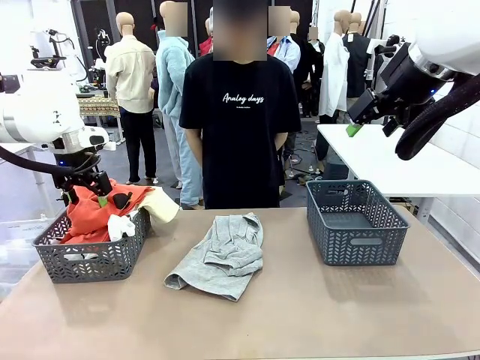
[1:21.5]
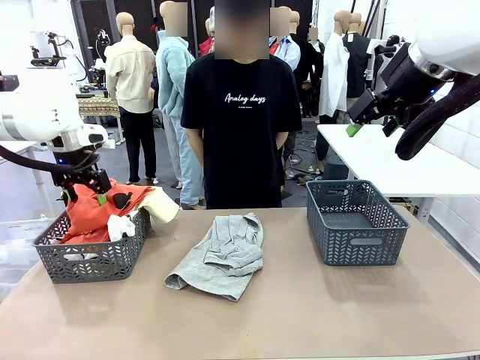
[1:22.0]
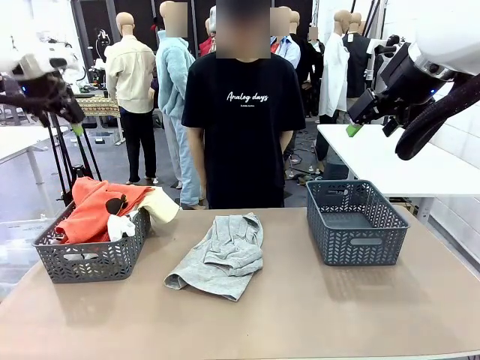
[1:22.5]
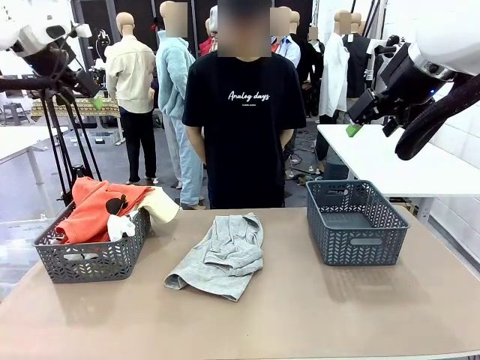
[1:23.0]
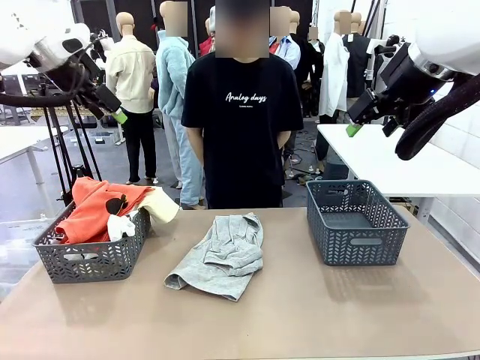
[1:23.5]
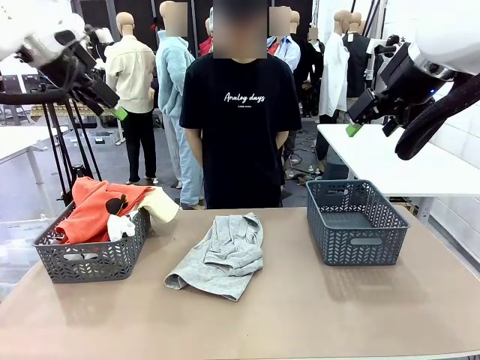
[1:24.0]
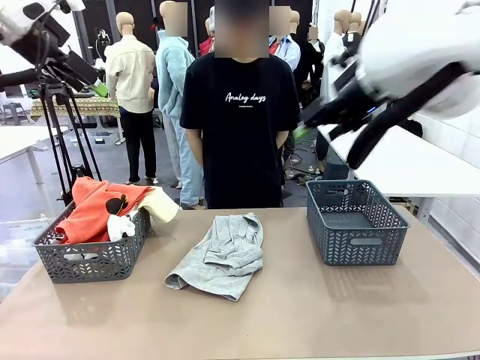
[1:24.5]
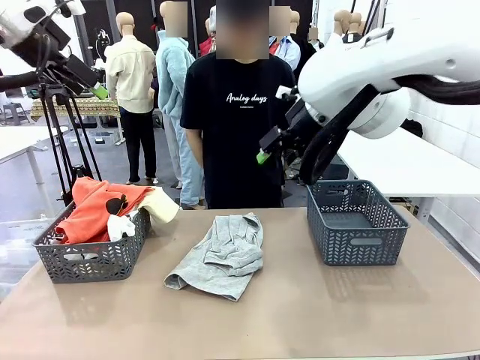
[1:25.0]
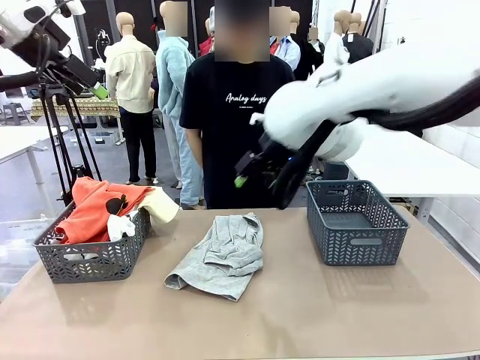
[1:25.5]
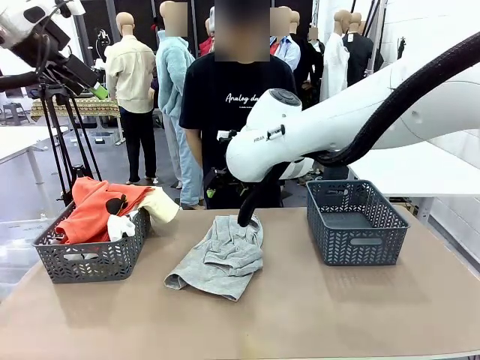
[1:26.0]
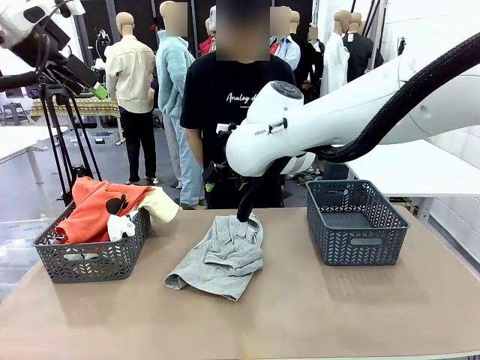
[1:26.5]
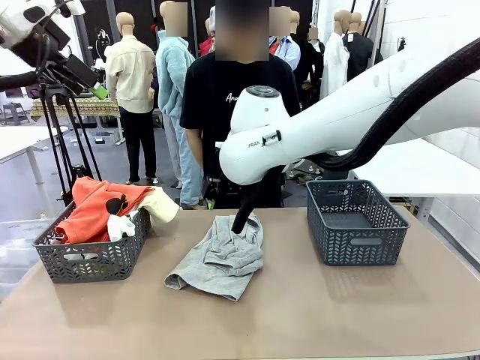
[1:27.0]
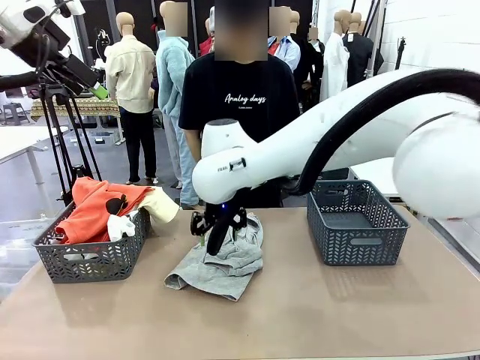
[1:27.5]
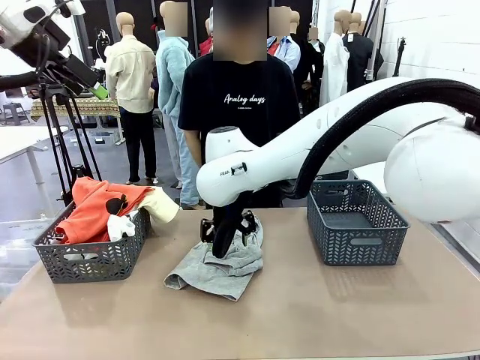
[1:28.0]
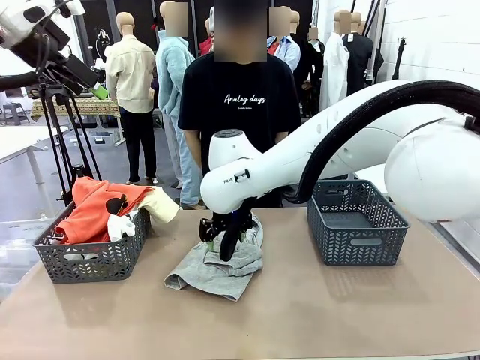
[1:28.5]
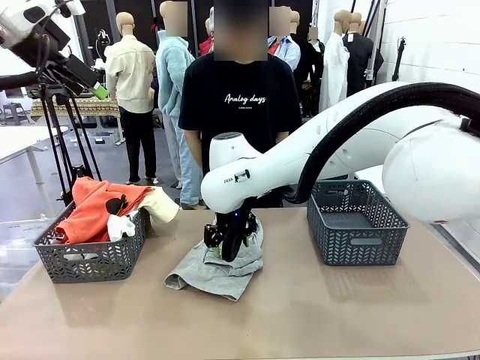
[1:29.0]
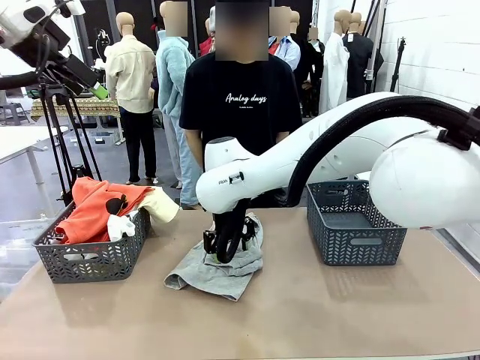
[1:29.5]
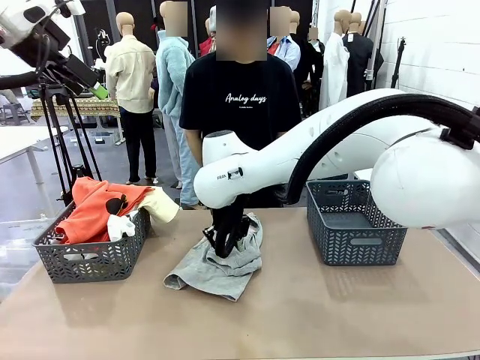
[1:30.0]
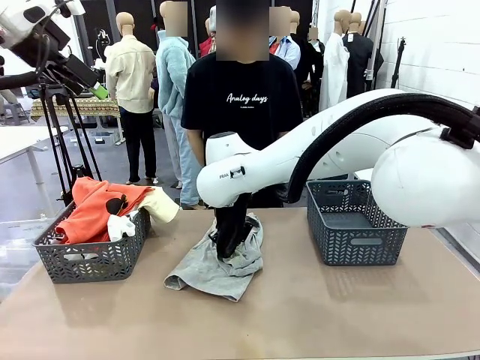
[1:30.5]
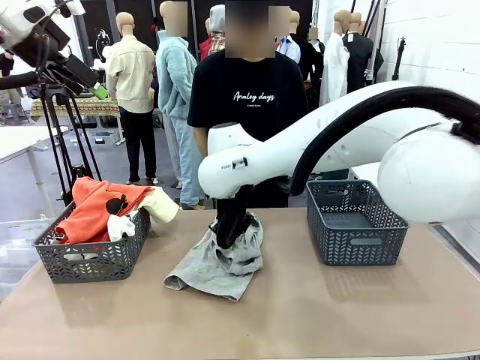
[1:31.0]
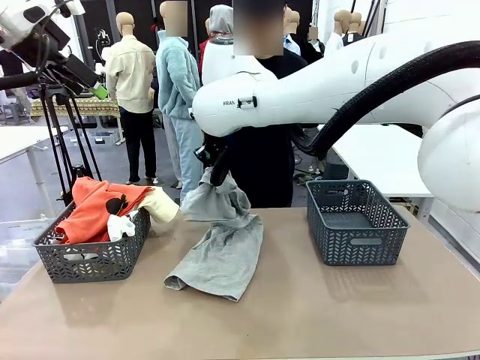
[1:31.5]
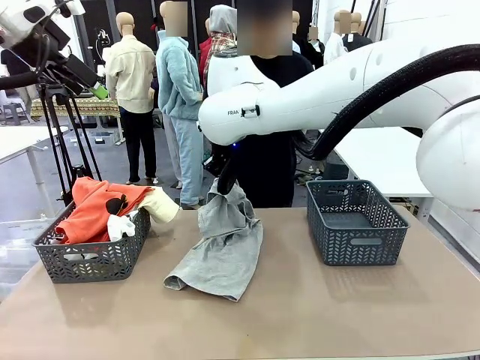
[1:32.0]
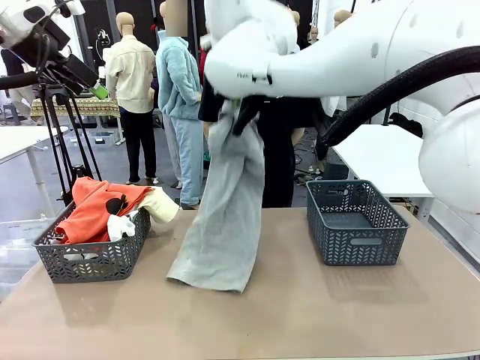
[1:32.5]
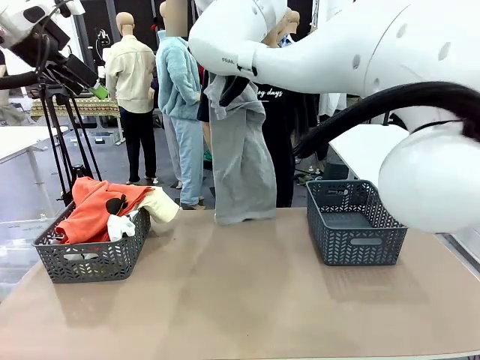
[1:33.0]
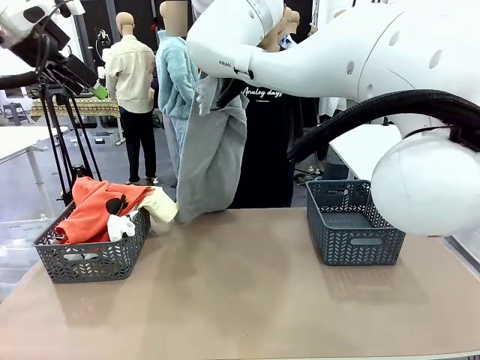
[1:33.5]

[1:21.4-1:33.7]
Task: Sort the tops and bottoms.
Robot: Lift clothes from the center of the table with your right hand.

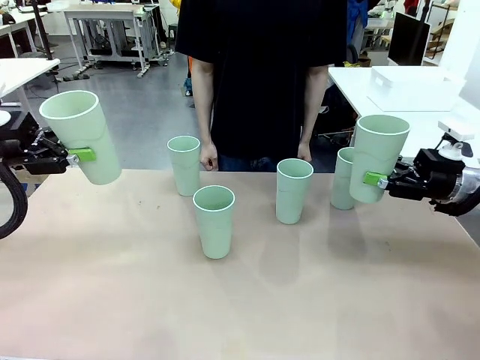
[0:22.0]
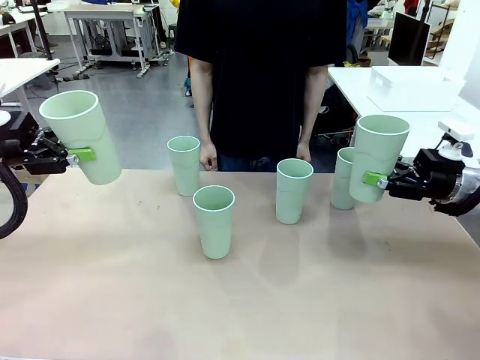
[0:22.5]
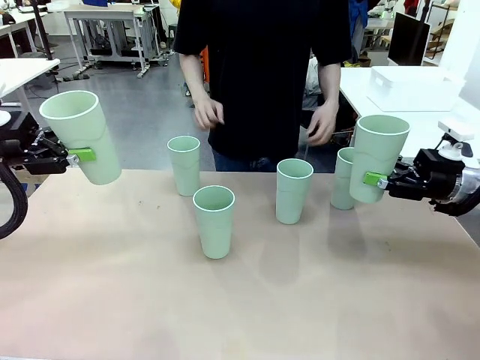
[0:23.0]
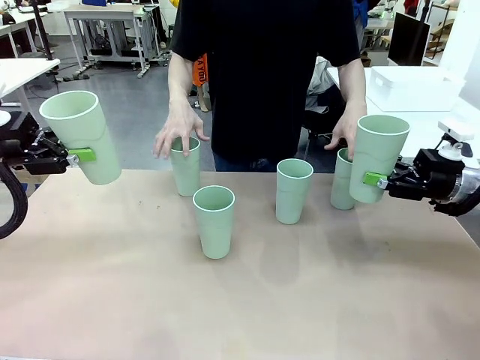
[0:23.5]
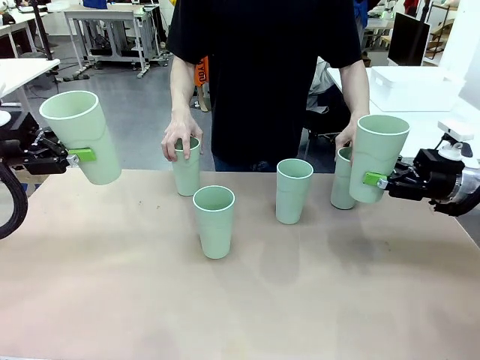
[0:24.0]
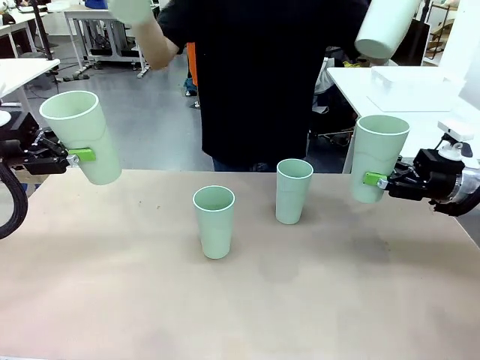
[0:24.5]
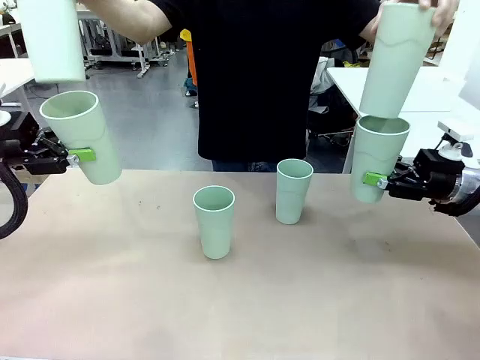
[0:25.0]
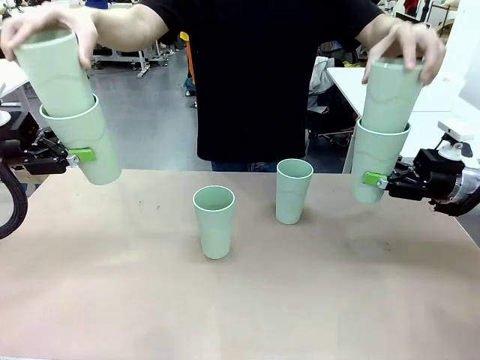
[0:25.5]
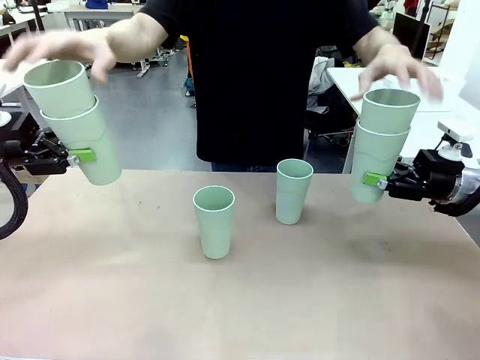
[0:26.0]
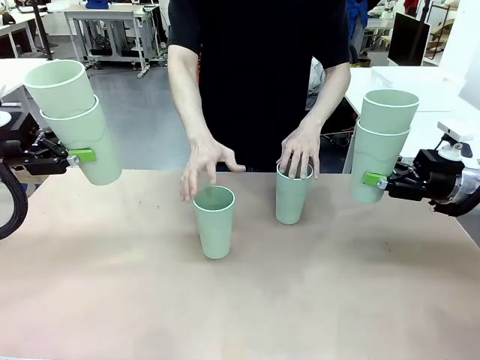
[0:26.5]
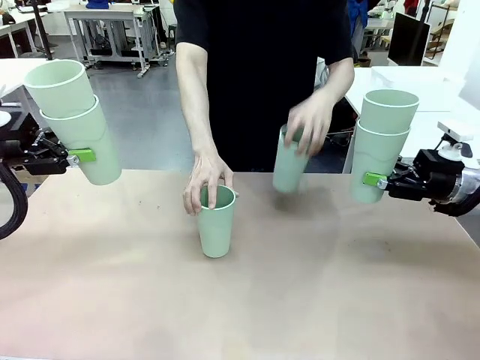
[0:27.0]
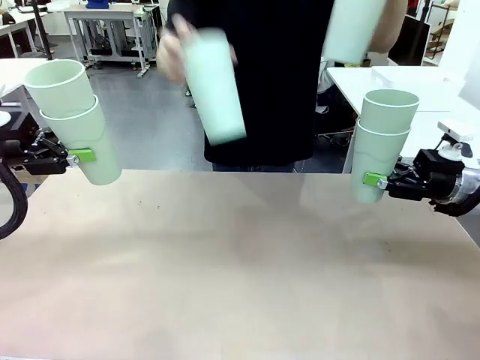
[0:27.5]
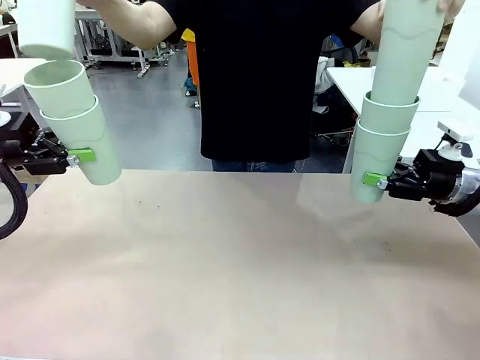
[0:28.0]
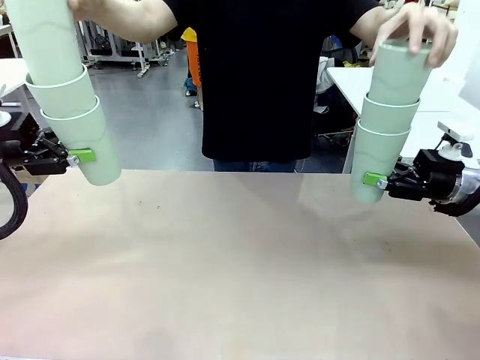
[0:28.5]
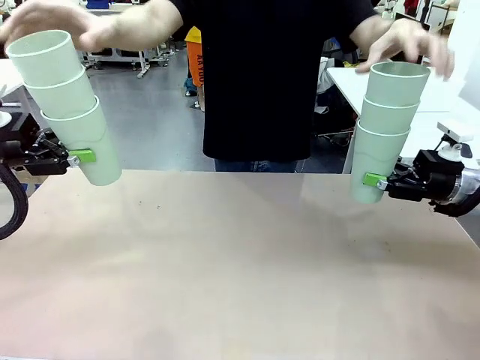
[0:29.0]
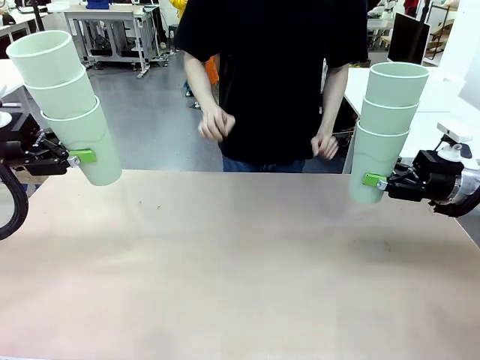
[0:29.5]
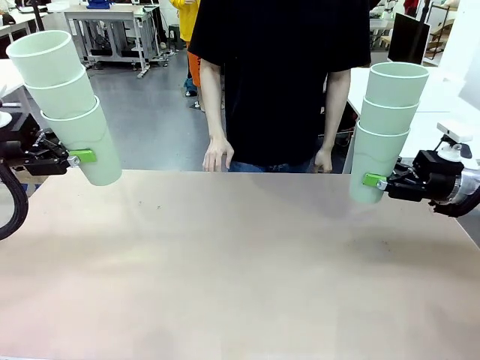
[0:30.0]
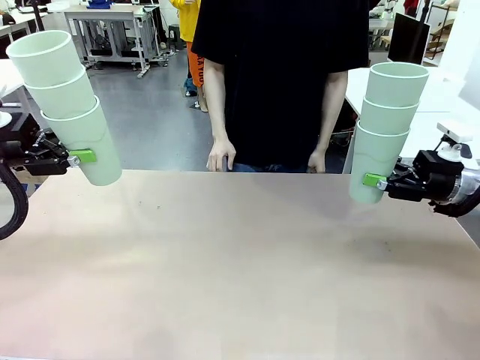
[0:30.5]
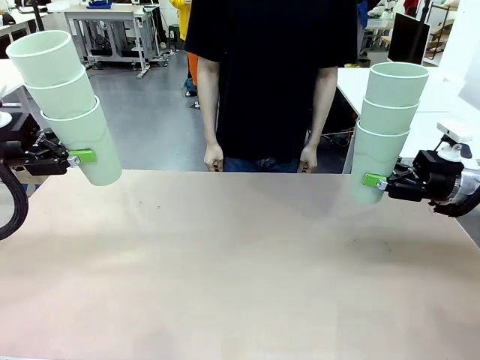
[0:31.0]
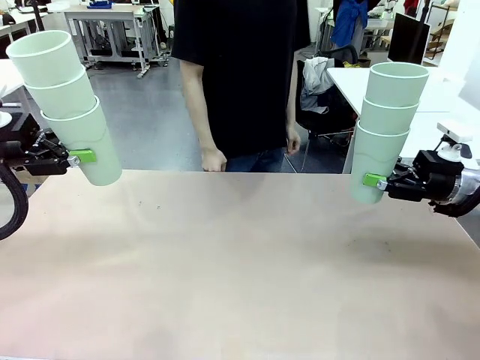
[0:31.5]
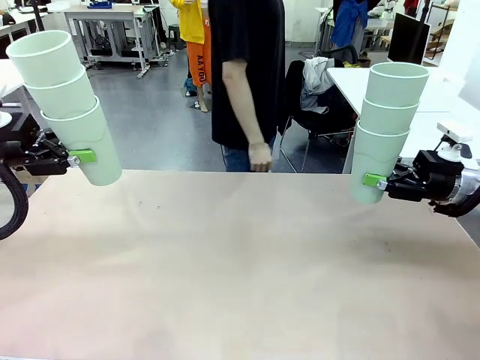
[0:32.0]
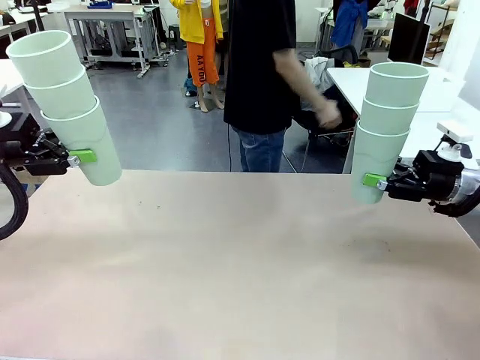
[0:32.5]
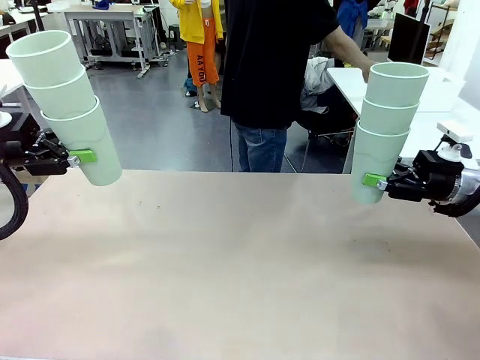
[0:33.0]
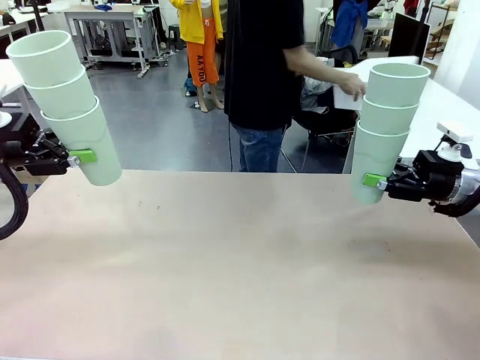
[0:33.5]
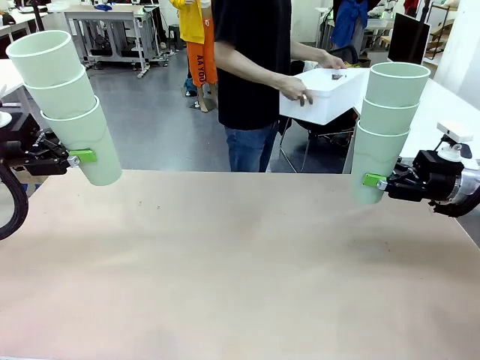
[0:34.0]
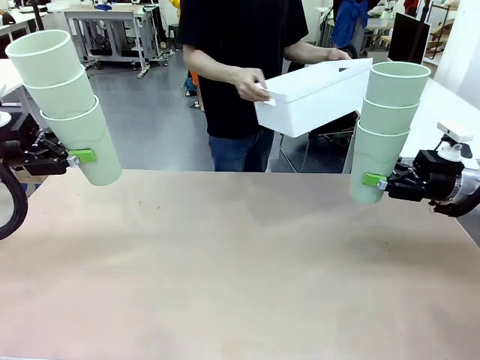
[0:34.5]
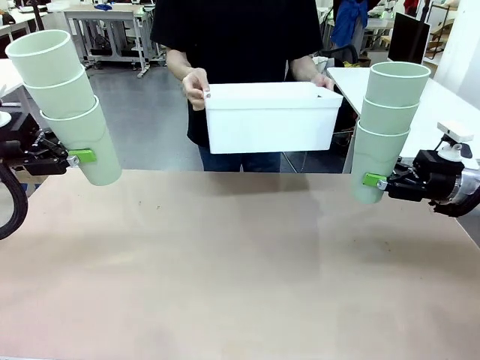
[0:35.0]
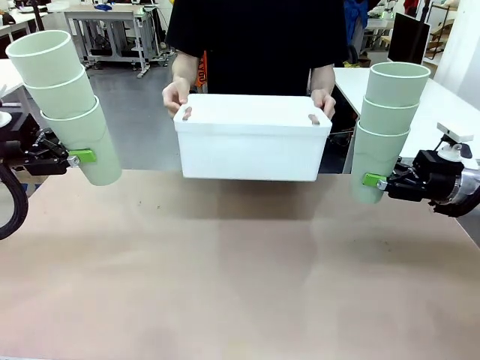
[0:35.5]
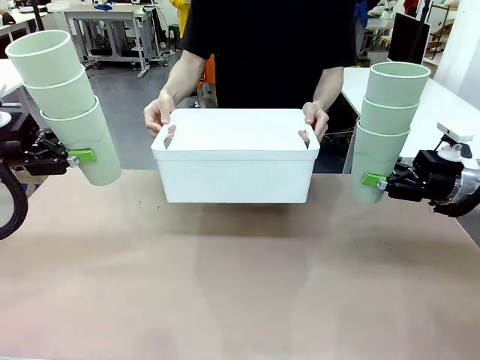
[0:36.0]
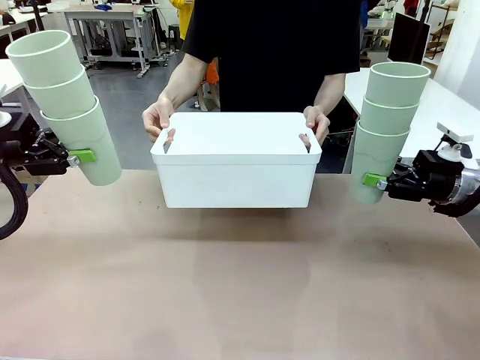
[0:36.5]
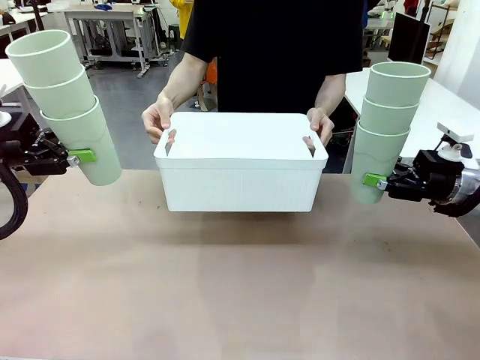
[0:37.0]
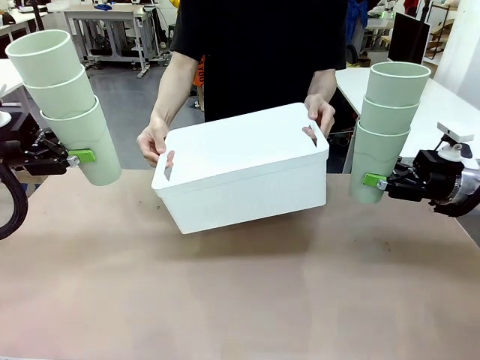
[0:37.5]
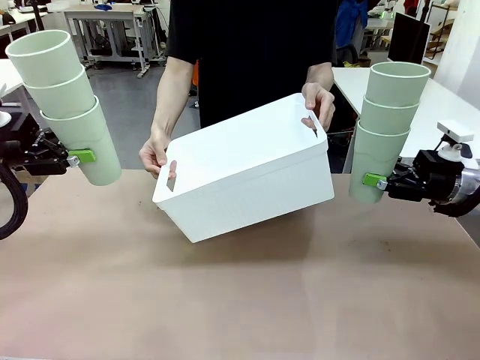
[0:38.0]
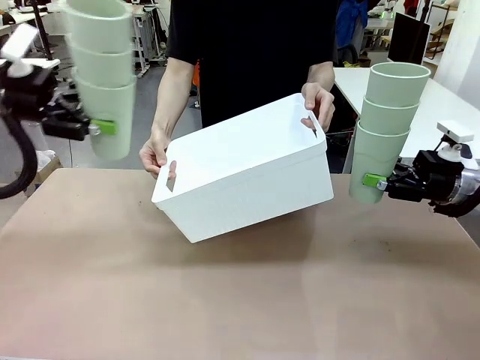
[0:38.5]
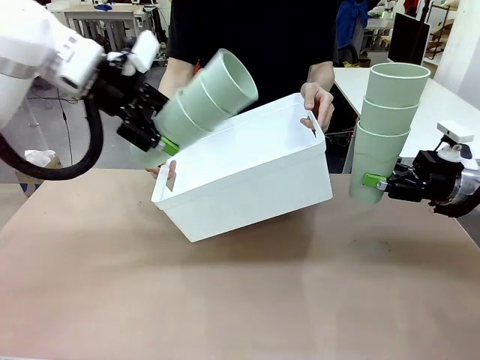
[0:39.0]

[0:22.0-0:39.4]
Task: Stack the cups and store them in the basket.
Robot: Place the stack of Reusable plastic cups into the Pantry Basket.
Person: Pick up the basket from the Human Table, bring it to the front of the robot, and present it.
